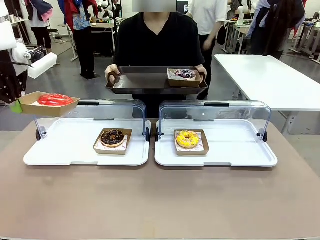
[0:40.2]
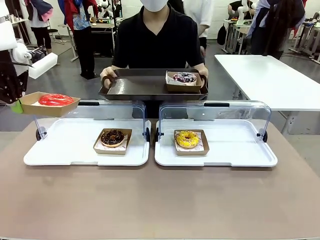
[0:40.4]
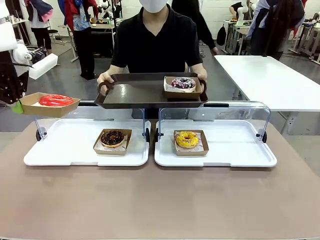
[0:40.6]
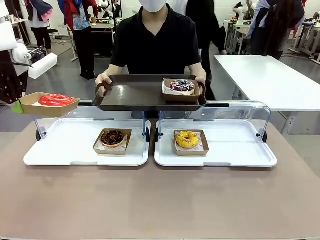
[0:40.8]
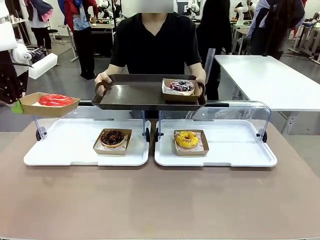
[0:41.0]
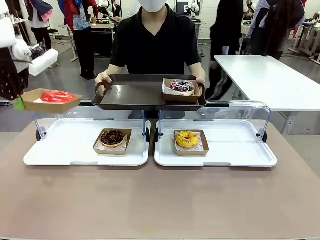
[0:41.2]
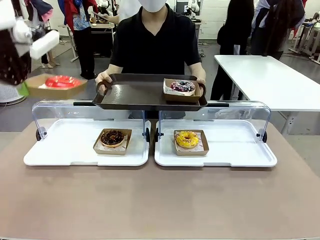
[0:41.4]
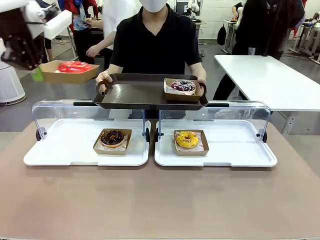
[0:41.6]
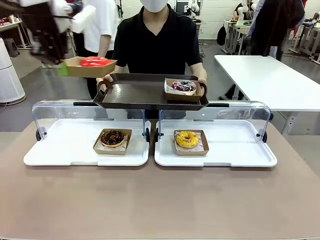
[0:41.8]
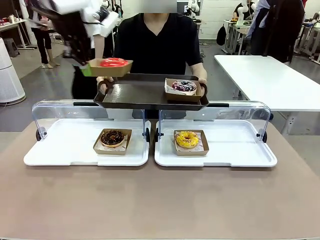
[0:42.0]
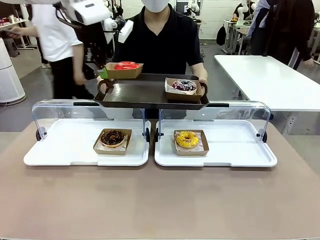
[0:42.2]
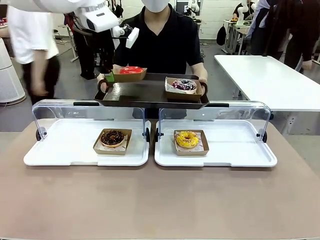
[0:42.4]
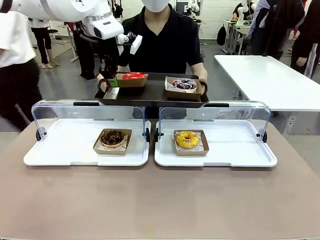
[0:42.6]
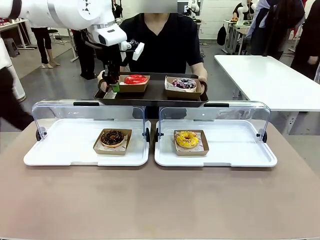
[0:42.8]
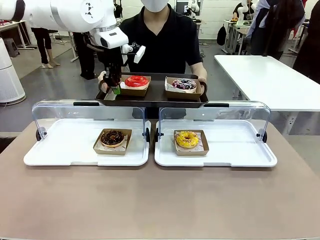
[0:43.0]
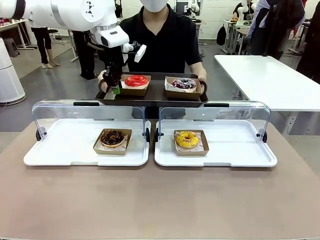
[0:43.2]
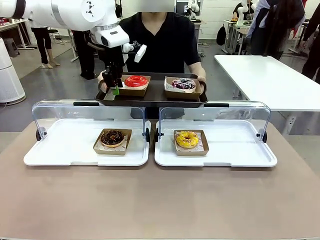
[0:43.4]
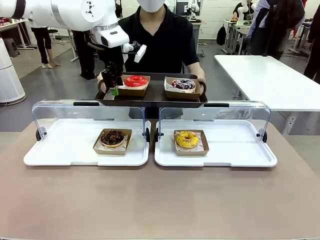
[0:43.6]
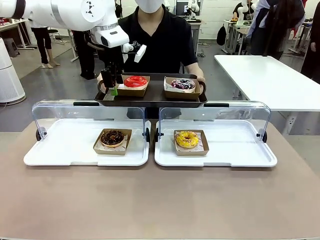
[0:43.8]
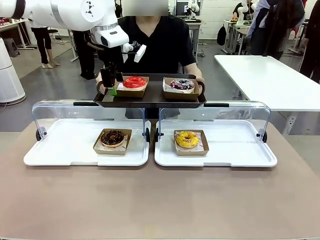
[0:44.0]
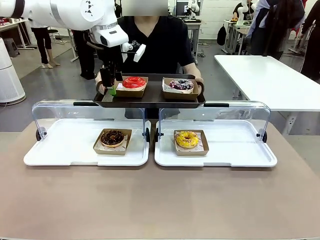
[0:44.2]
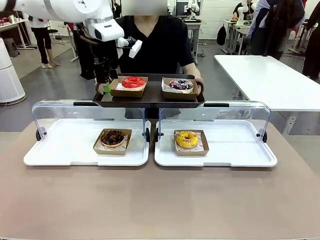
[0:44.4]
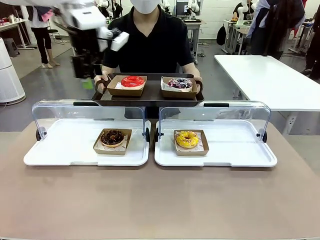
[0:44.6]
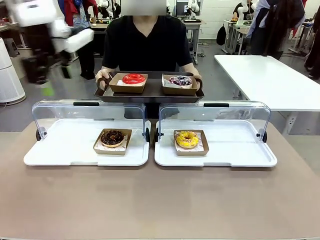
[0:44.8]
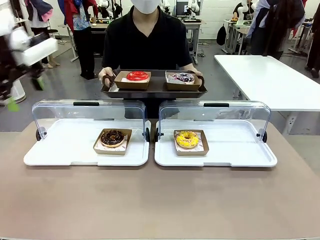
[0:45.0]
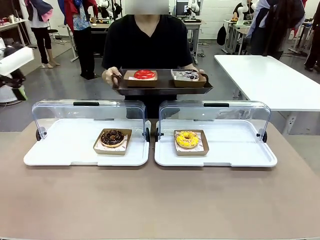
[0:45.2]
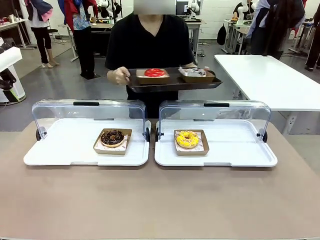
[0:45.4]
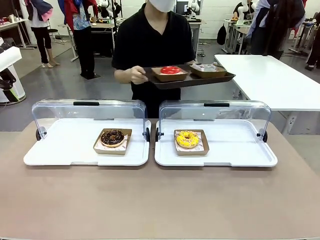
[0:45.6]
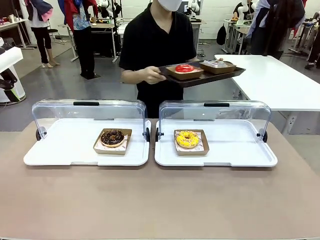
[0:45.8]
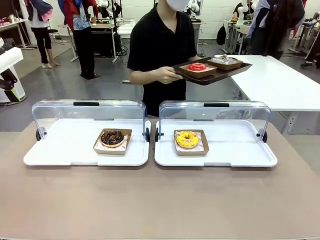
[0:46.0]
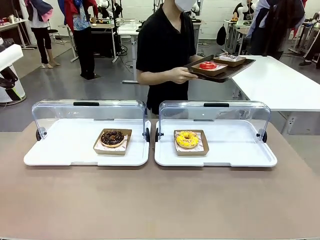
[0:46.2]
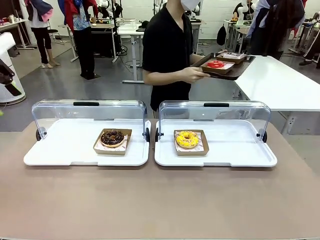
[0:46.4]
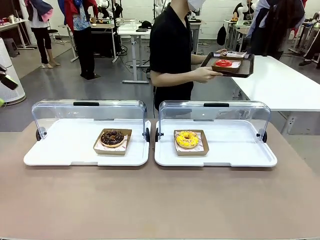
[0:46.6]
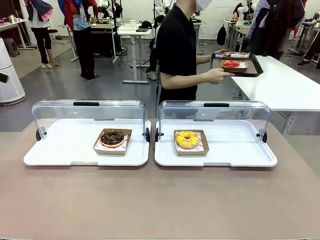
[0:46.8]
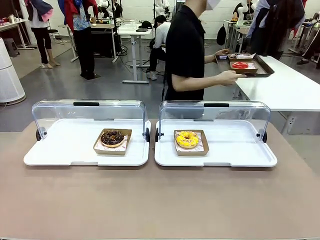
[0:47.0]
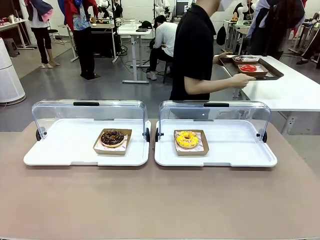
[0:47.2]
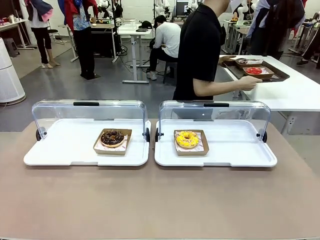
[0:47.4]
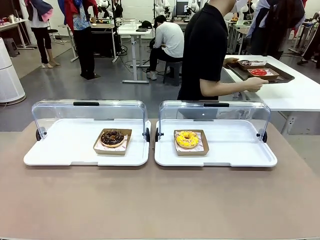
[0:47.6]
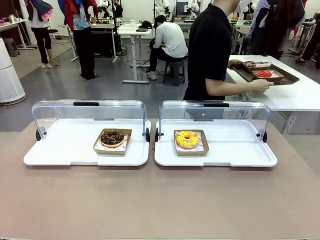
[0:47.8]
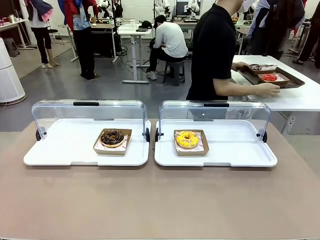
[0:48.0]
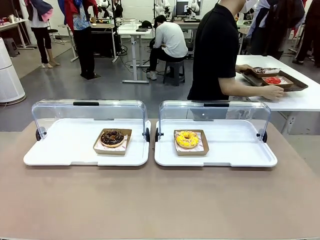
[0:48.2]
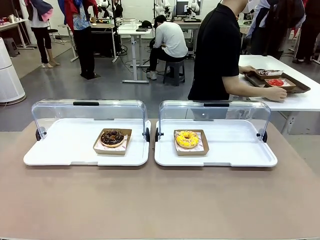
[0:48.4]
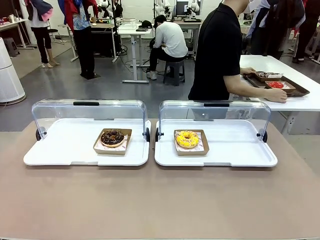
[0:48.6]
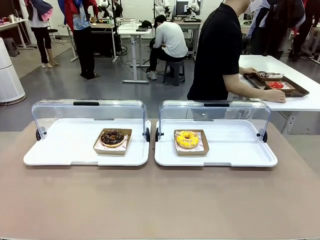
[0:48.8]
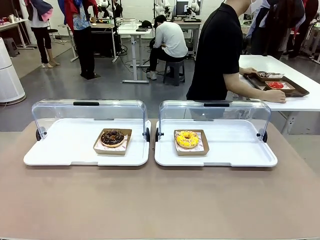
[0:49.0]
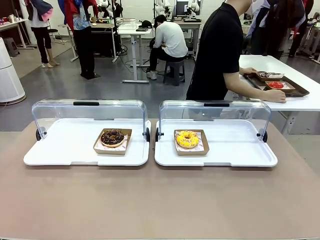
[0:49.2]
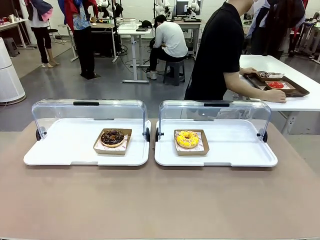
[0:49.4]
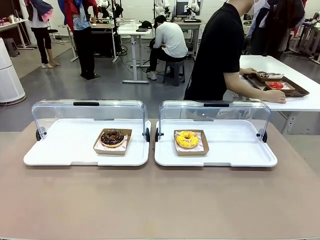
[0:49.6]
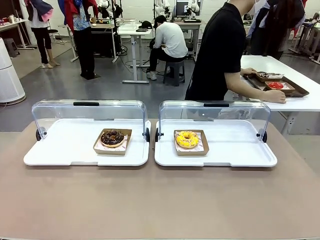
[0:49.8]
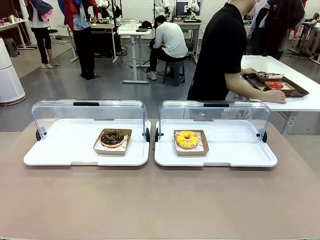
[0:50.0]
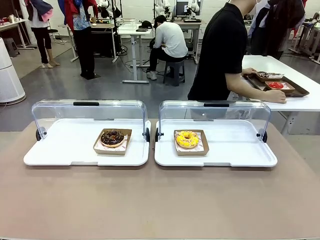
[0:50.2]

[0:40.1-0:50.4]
Task: Provide the desired donut to the person.
Robot: Place the picked Paper togo box onto the Handle tray extended by the person.
Person: Place the tray in the middle of the human table.

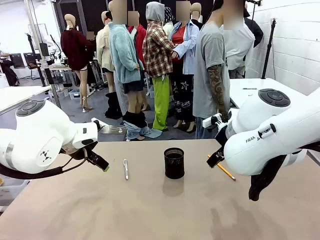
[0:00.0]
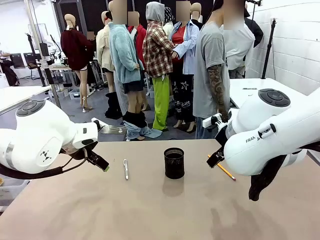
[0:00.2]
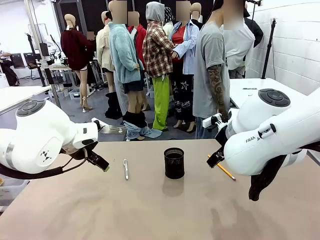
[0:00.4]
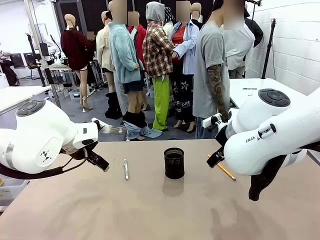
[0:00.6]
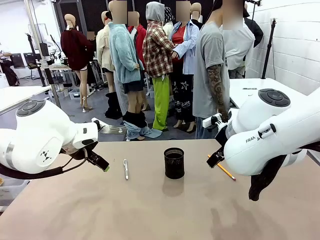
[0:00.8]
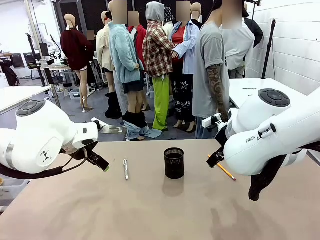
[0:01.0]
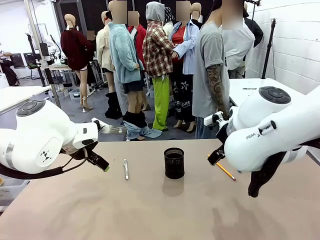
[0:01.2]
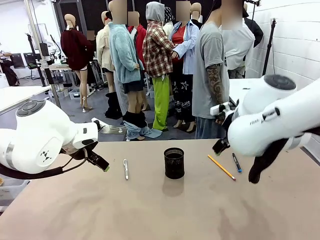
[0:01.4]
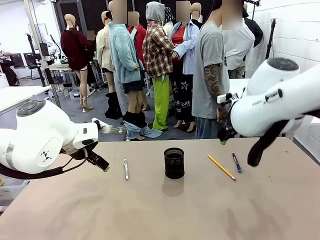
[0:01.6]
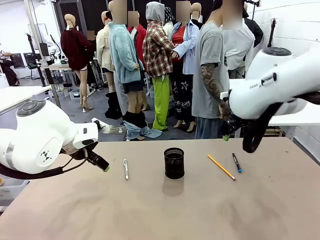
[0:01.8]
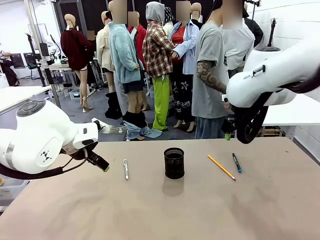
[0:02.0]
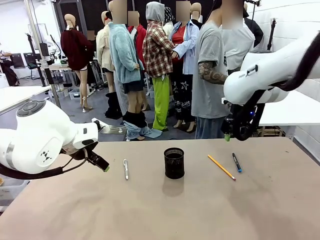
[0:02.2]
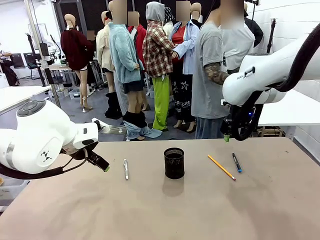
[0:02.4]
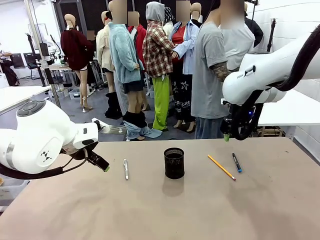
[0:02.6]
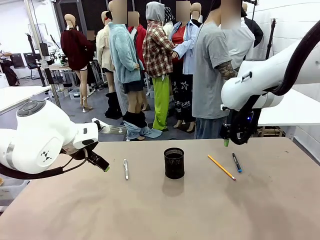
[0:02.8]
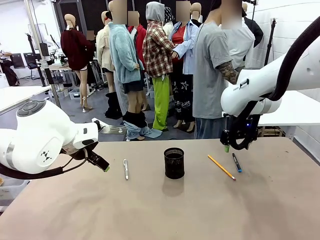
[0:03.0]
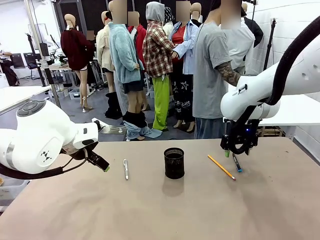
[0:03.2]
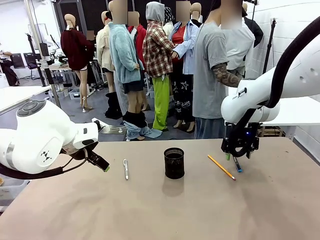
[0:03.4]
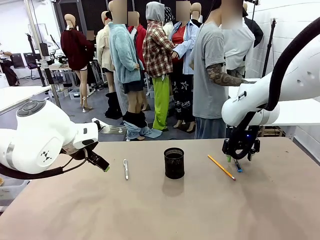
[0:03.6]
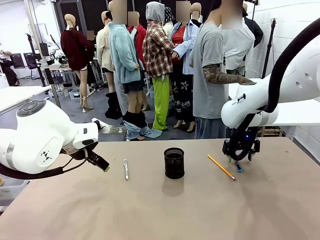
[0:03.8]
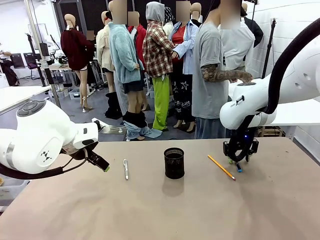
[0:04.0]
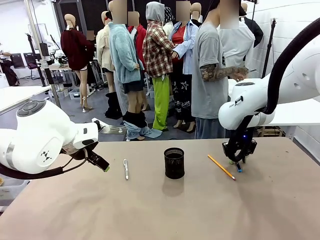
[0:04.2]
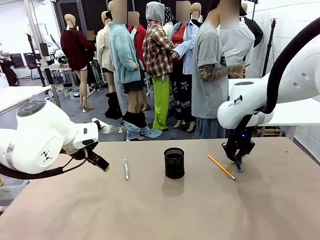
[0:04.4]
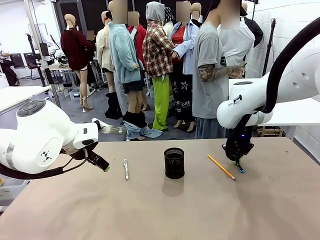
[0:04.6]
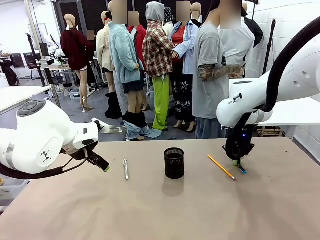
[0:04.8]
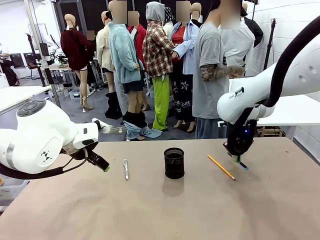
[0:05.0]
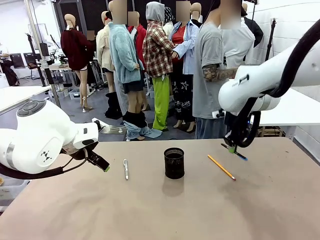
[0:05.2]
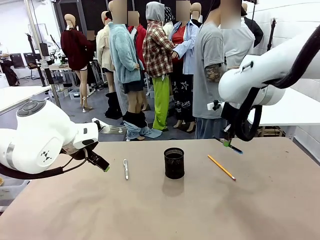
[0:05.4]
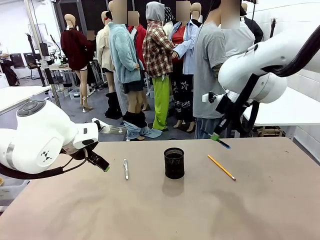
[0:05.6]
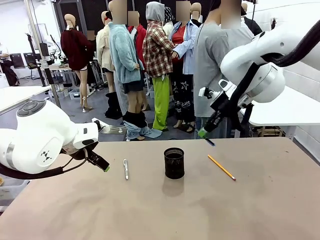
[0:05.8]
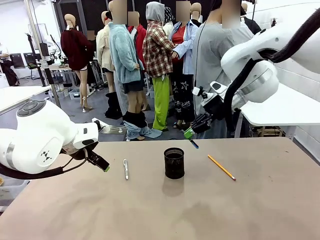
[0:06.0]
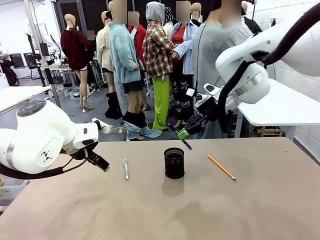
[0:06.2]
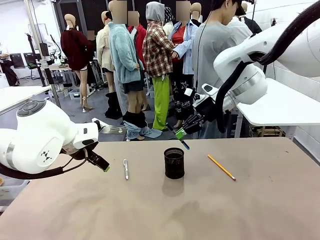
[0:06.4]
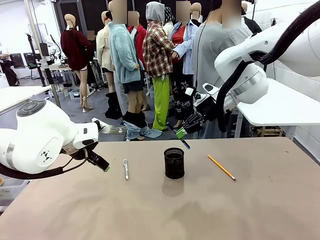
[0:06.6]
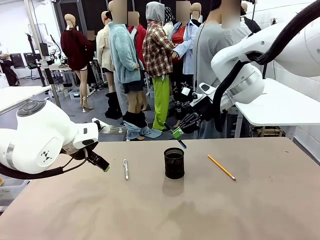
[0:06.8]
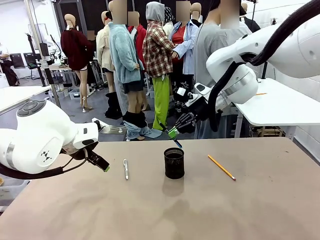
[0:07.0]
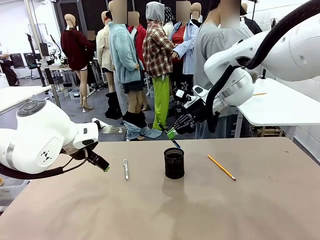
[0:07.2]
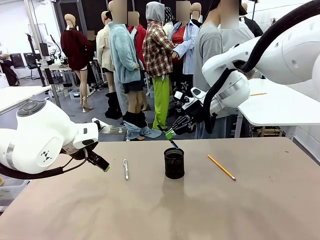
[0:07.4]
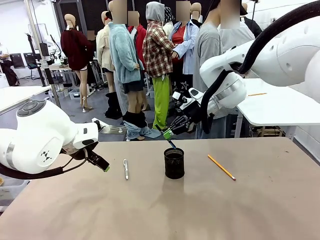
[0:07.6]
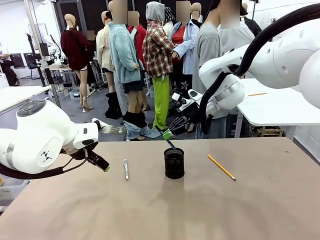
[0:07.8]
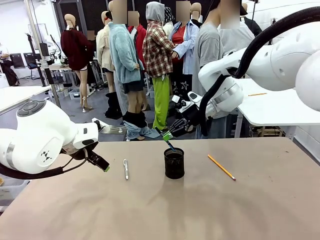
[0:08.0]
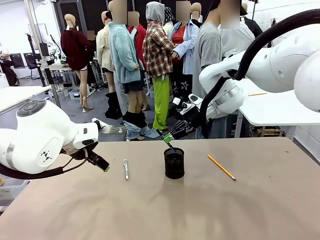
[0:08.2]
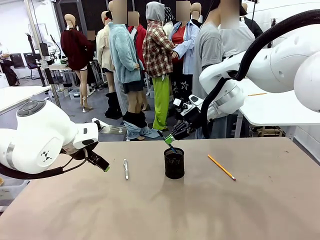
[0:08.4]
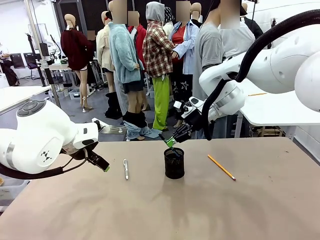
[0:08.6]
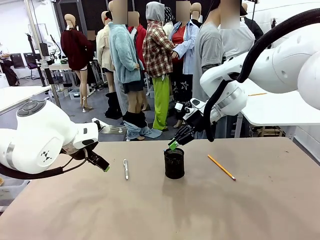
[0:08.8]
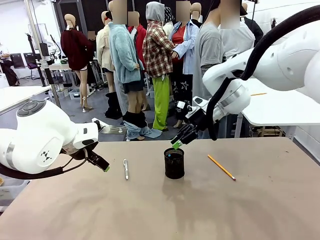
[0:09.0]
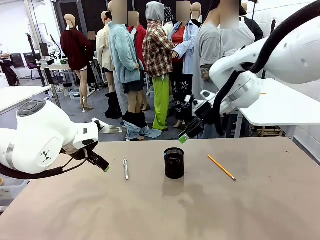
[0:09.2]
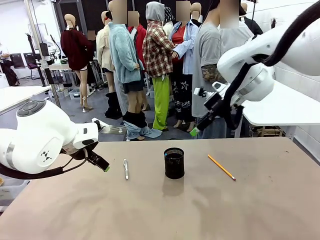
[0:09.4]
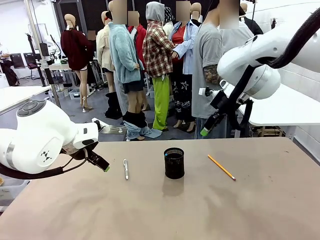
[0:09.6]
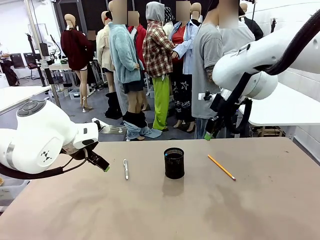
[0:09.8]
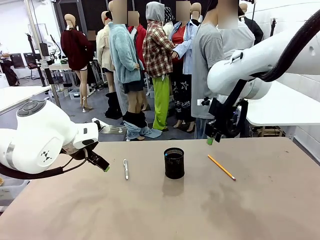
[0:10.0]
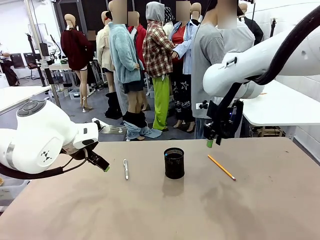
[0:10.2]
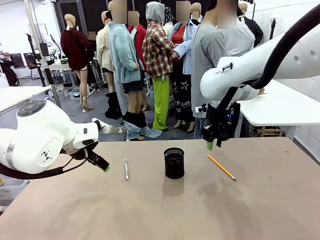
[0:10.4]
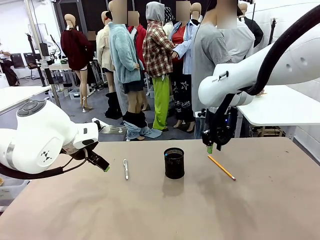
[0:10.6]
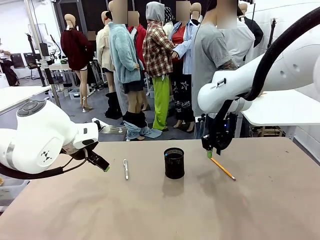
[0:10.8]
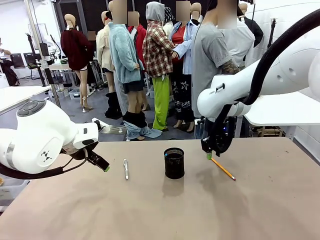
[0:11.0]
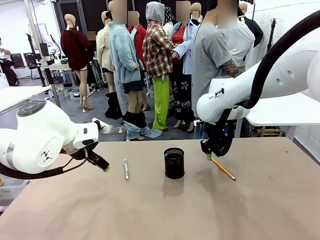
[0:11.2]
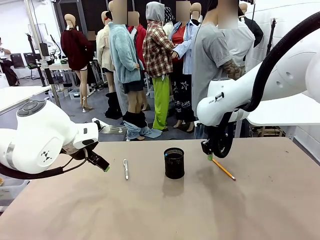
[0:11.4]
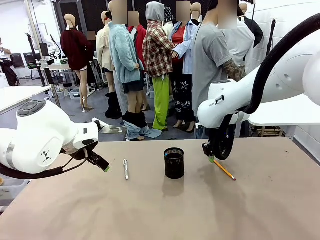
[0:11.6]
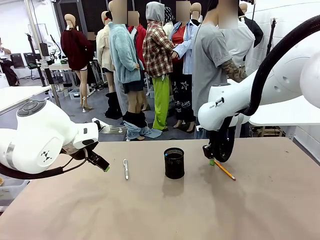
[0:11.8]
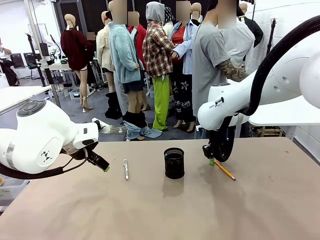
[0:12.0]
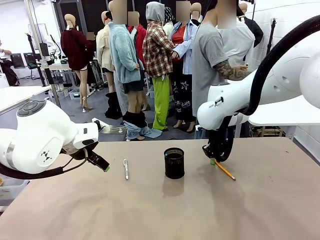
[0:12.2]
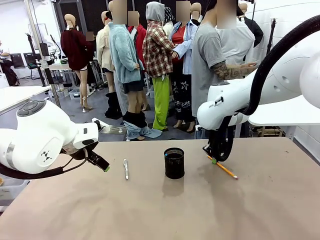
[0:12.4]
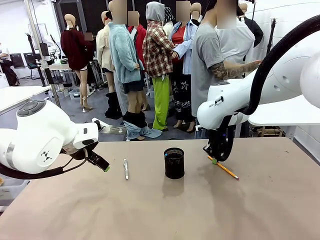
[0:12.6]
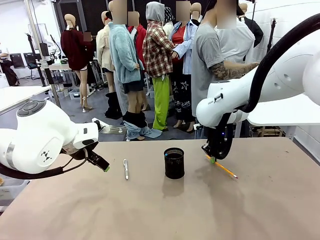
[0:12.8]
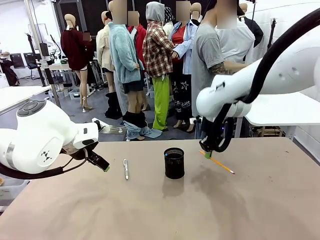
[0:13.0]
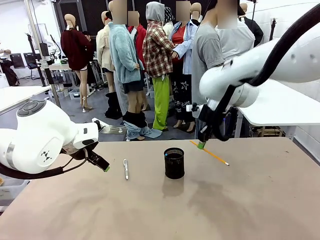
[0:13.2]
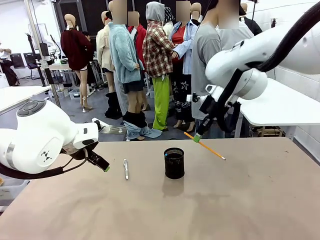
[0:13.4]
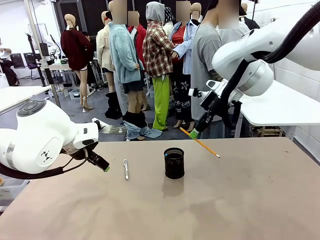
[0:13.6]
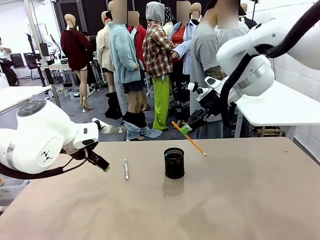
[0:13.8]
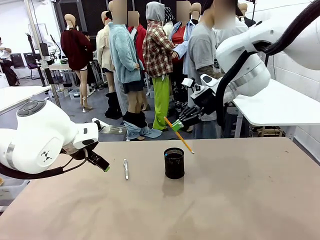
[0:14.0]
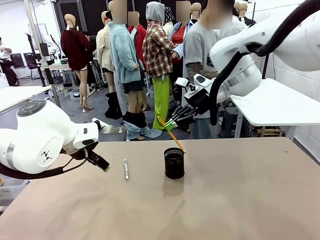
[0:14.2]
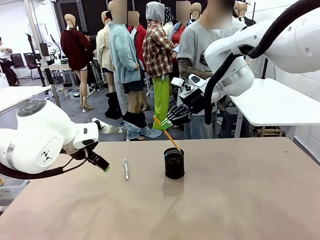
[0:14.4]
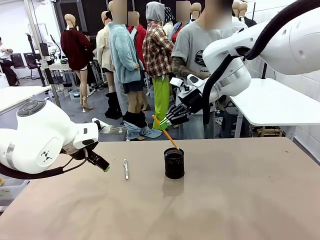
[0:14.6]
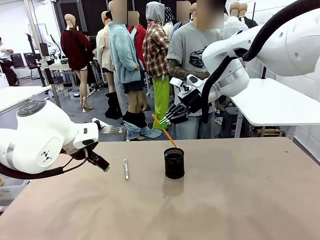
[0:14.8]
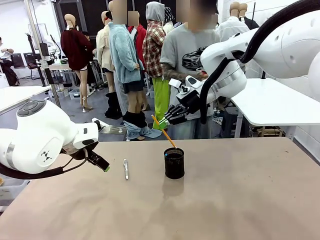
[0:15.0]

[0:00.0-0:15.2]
Task: Place the pens into the pen holder.
Robot: Pick up a writing instrument from the table and place it into the Pen holder.
Person: Pick up all writing instruments from the Human table.
